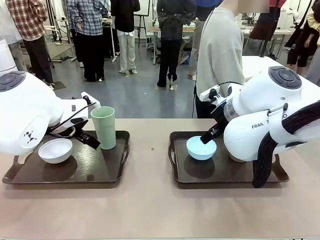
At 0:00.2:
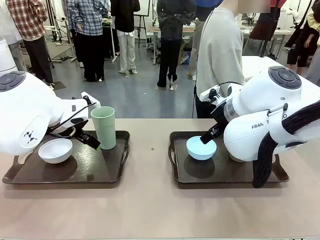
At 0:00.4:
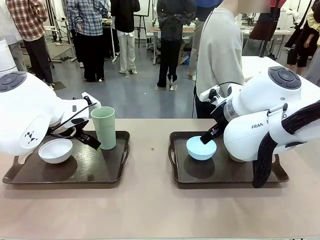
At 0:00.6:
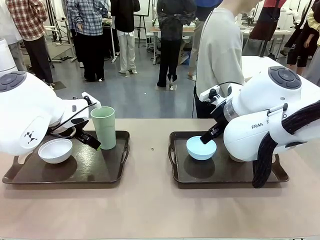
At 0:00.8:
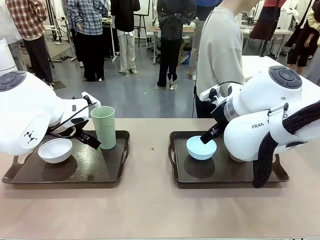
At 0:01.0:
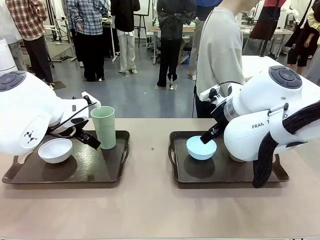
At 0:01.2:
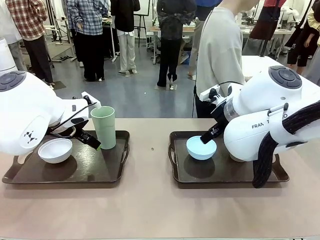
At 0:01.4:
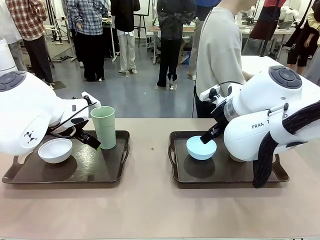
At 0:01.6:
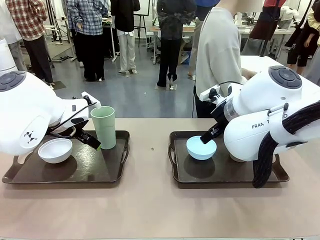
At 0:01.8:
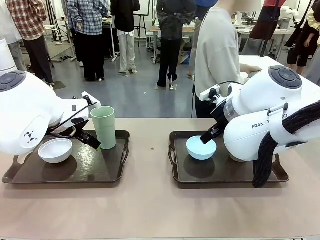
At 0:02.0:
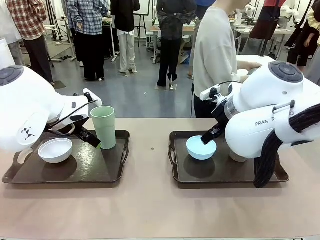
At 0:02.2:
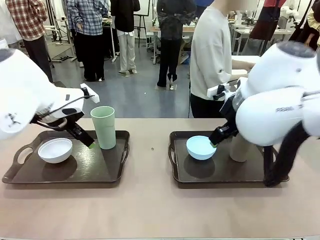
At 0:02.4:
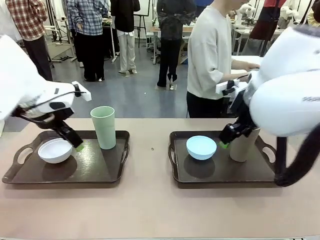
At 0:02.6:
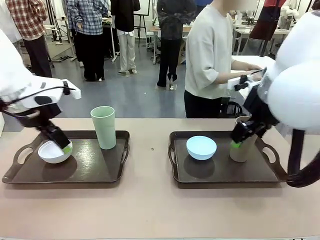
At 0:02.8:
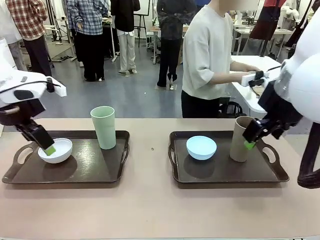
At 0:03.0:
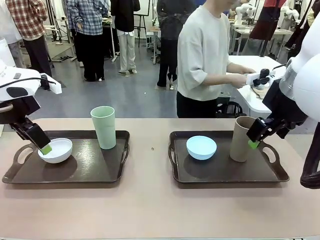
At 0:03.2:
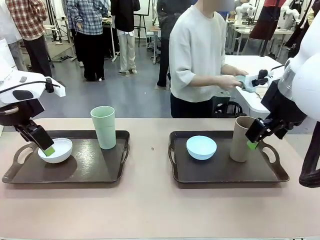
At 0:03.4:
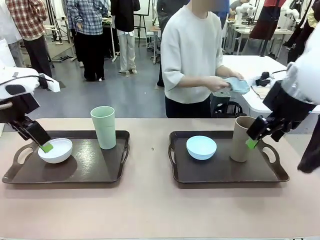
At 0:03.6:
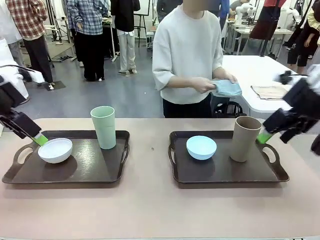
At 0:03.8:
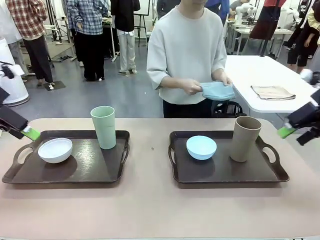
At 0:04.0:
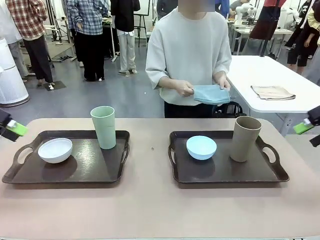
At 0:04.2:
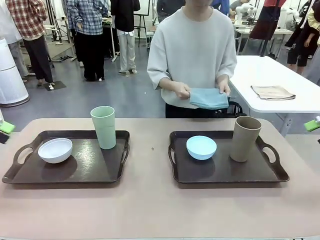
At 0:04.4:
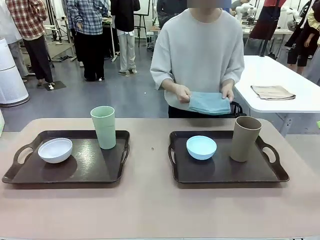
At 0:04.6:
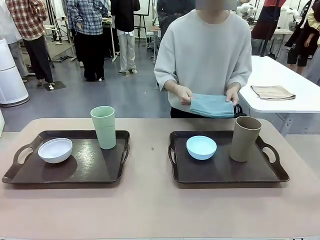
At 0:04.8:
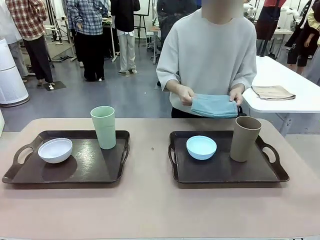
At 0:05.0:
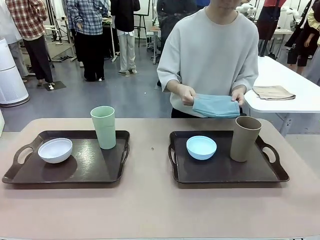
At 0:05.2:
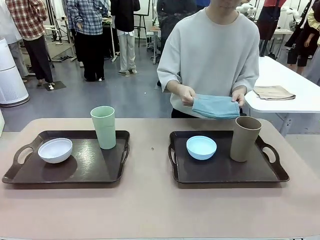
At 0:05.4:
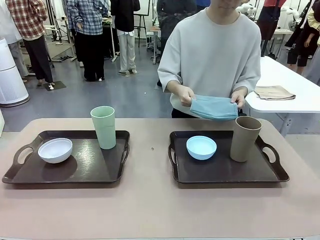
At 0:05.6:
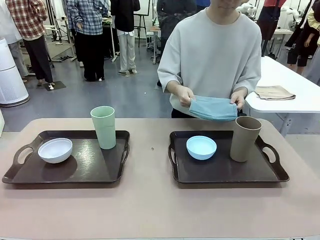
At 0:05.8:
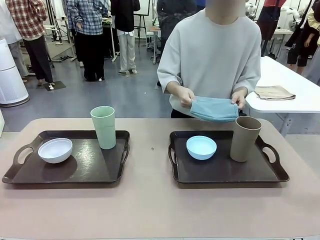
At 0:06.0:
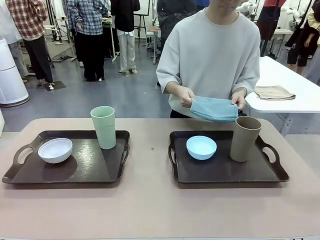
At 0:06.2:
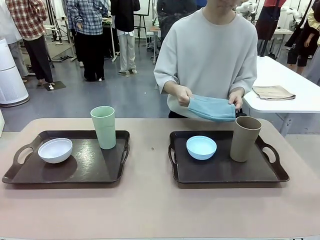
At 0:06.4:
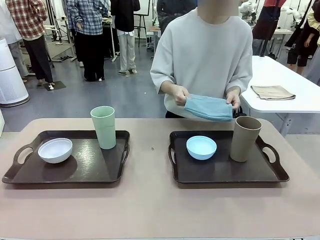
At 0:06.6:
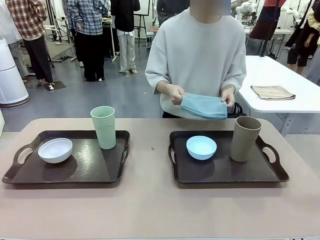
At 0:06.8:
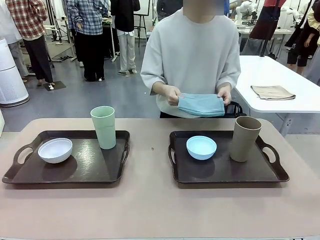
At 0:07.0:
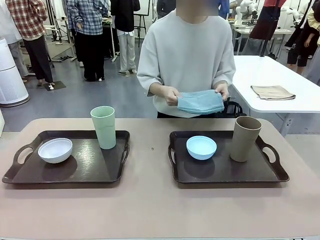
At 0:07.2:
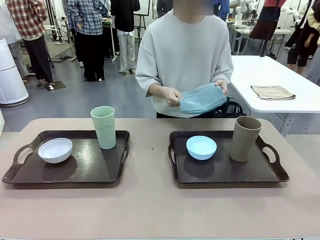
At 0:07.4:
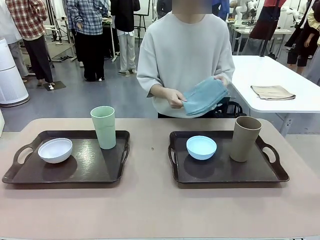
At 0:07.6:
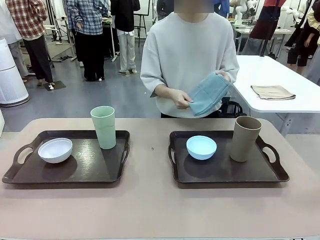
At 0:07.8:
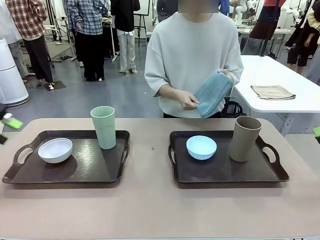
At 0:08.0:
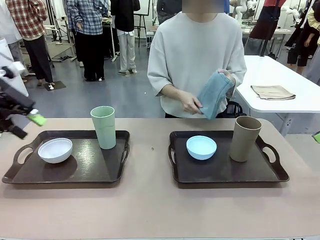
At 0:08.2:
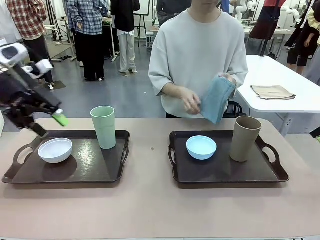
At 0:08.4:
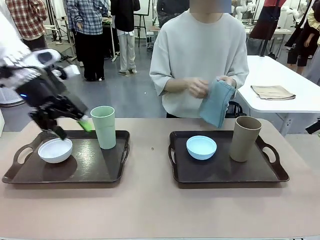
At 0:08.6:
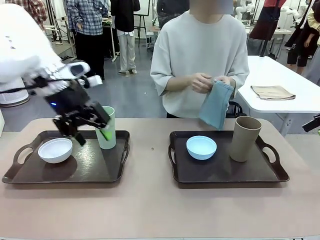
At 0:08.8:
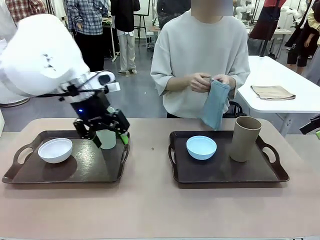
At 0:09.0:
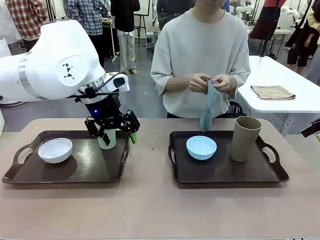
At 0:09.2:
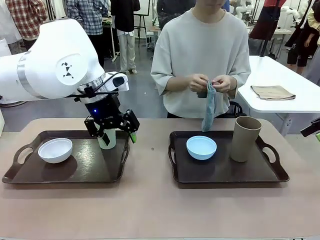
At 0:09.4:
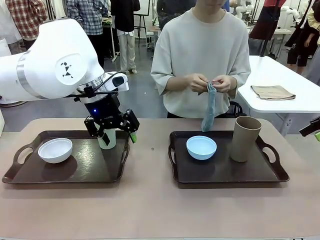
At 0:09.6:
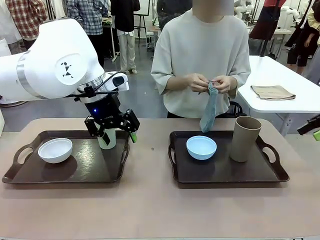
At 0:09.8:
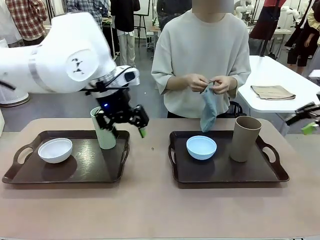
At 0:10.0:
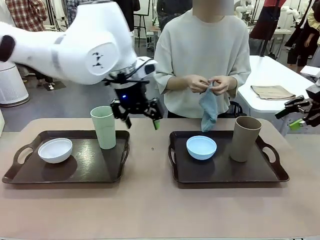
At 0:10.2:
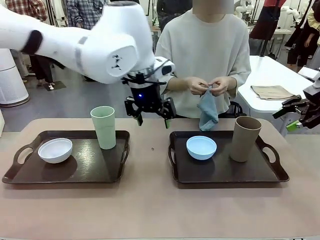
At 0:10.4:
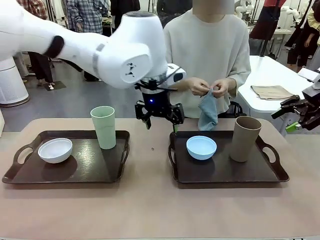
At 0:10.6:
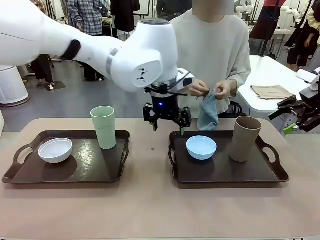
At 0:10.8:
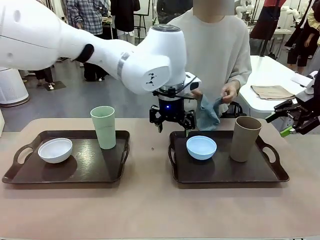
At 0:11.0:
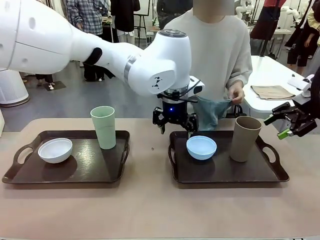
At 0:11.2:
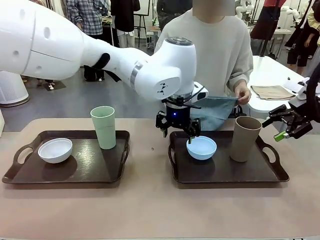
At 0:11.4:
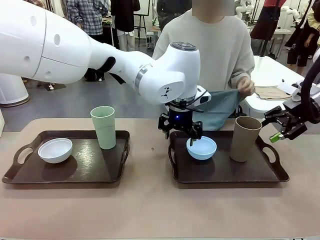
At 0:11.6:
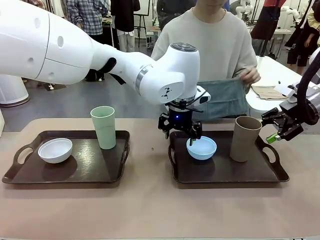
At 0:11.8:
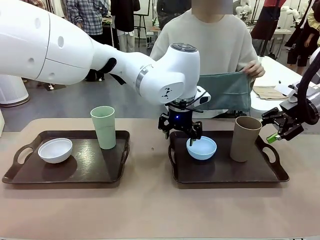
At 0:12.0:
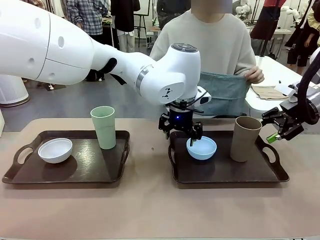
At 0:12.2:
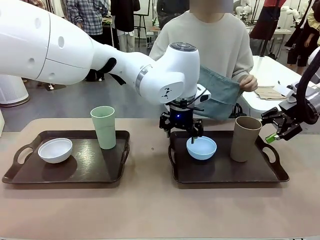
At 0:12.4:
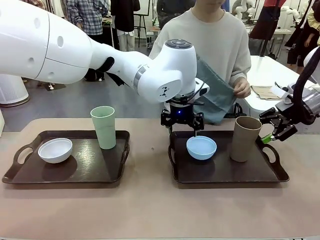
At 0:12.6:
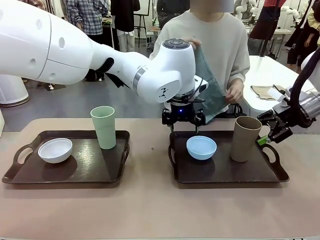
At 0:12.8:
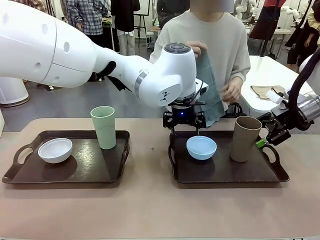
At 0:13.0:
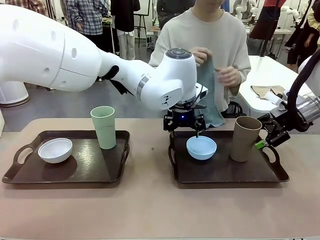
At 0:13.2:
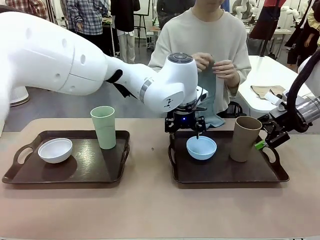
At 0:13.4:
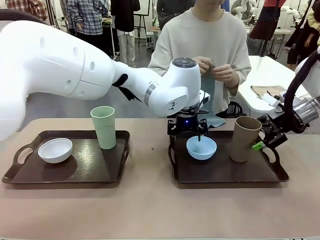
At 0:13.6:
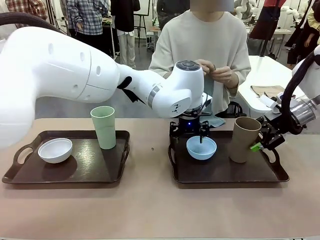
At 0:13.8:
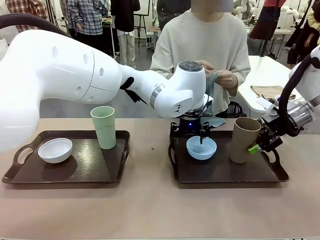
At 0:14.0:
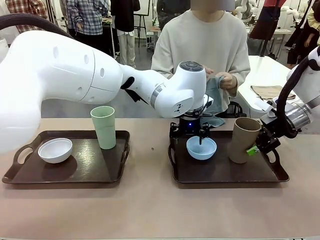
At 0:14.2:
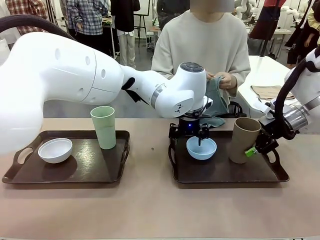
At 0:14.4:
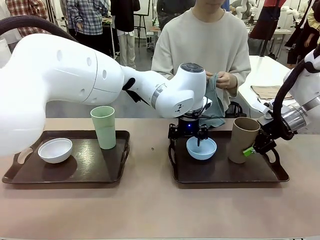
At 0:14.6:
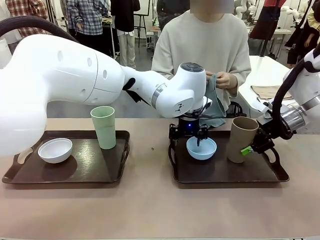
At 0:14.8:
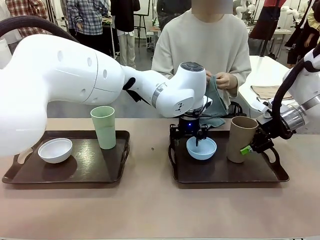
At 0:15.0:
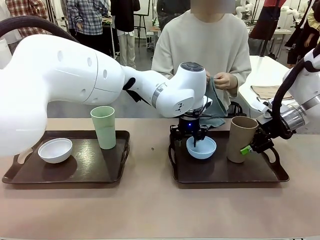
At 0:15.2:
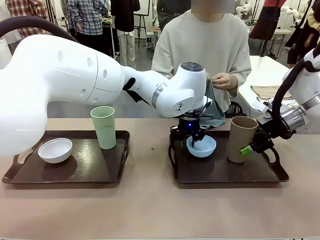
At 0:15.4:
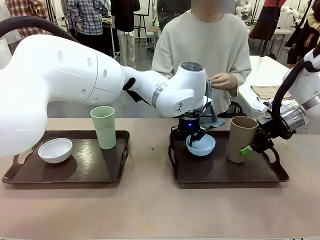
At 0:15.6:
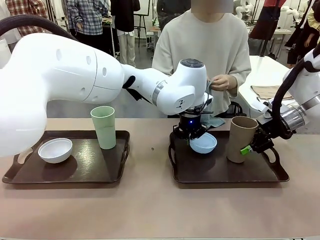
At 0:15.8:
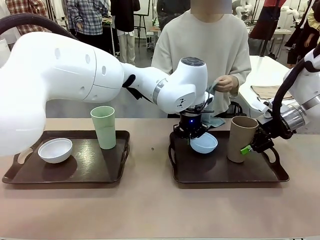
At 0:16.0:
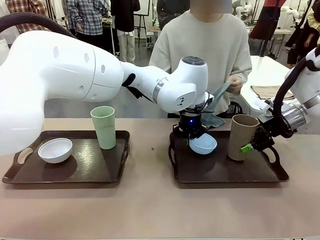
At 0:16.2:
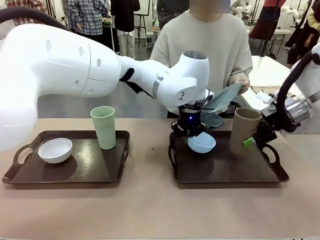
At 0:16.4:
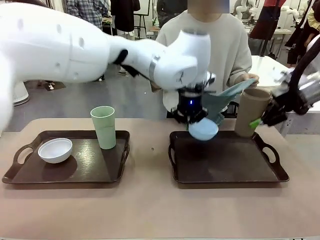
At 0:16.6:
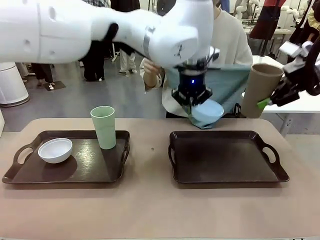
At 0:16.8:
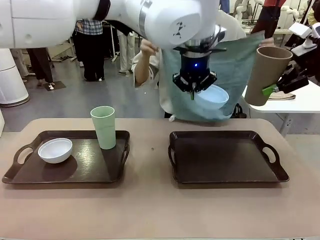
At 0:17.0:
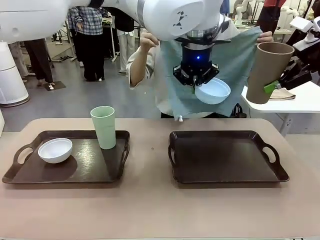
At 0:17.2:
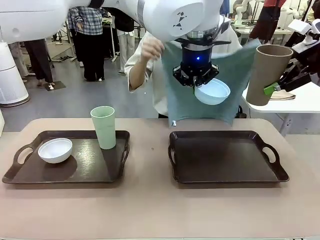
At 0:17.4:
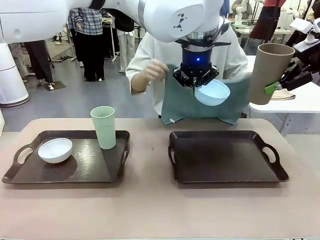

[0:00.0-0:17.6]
Robot: Pick up the Picnic Bowl and Reusable plastic cup from the Handle tray in front of the human's position and hold them in the air.
Person: The human picks up the top napkin from the stack on the human table and walks to the robot table to stand in front of one of the two trays. When the robot lifts the bowl and the cup, the human unfolds the napkin and lays the napkin flat on the tray.
